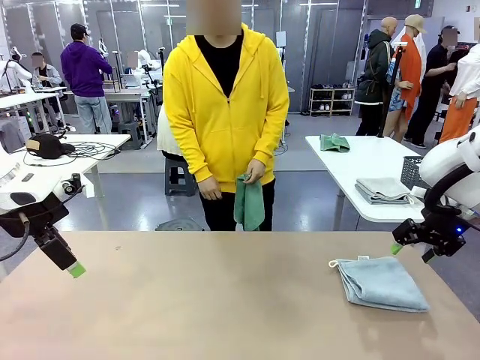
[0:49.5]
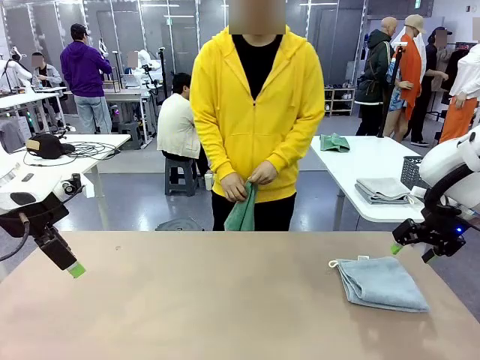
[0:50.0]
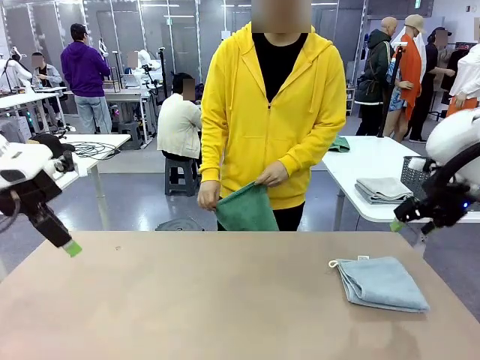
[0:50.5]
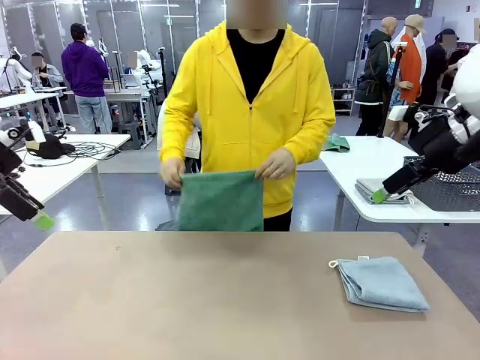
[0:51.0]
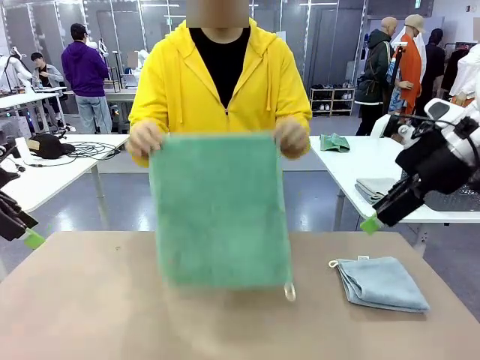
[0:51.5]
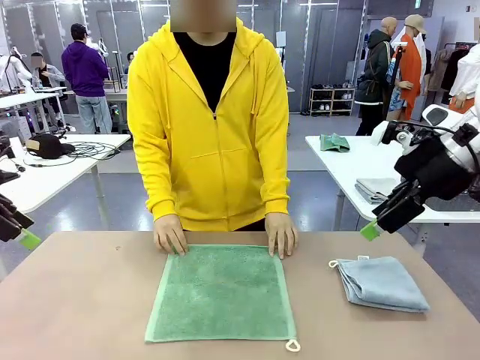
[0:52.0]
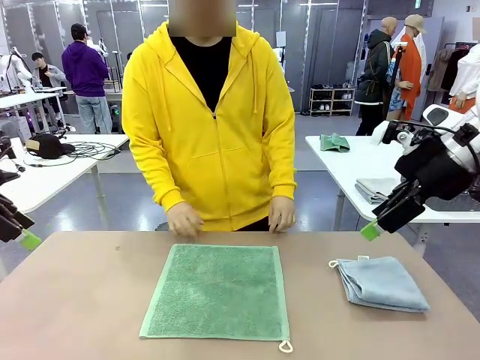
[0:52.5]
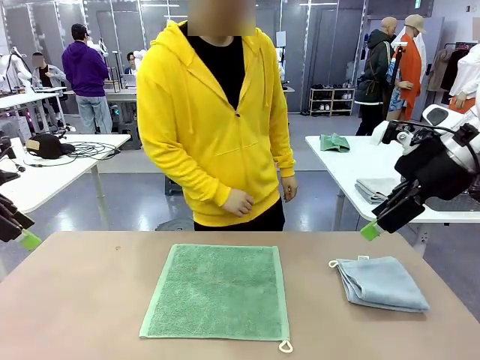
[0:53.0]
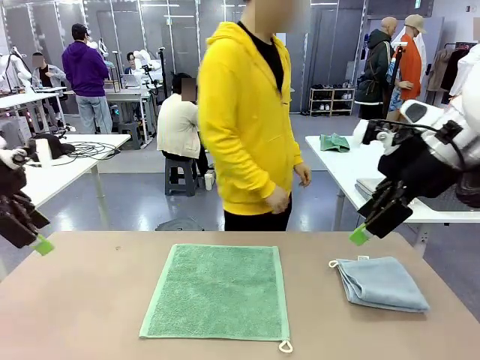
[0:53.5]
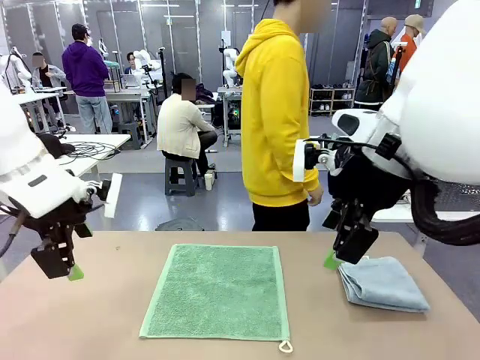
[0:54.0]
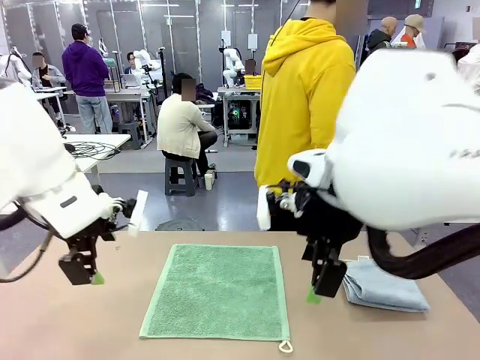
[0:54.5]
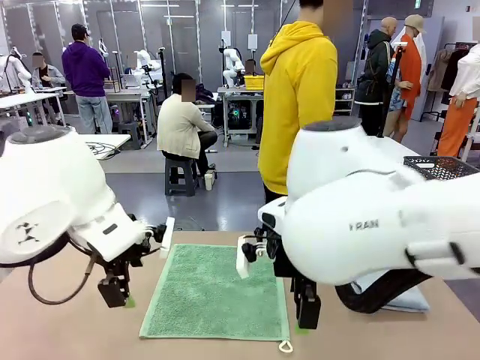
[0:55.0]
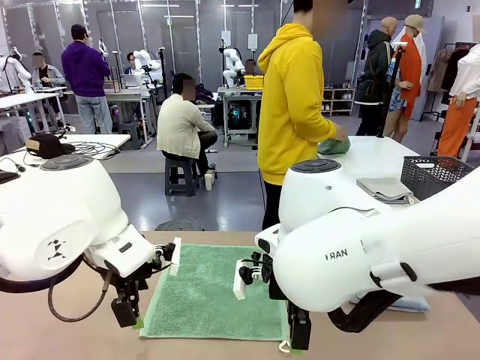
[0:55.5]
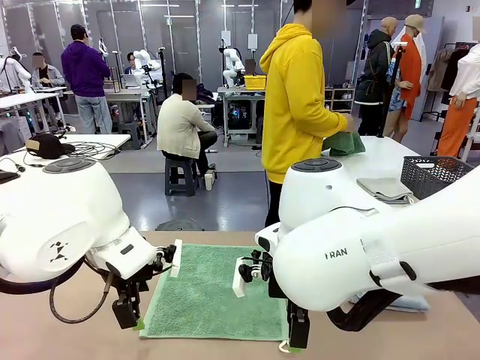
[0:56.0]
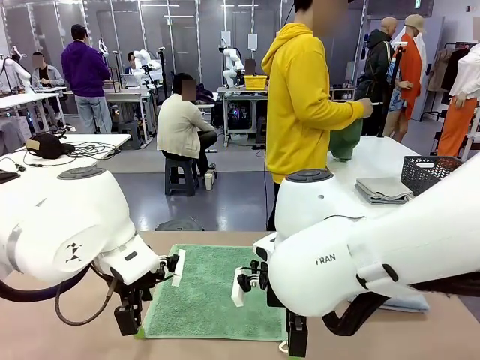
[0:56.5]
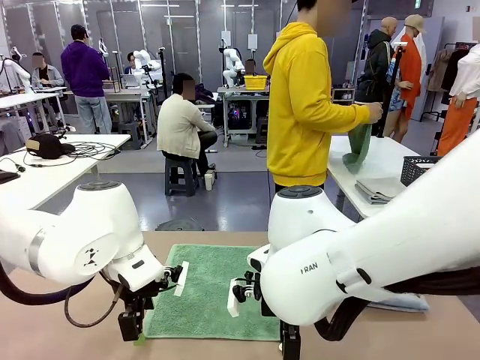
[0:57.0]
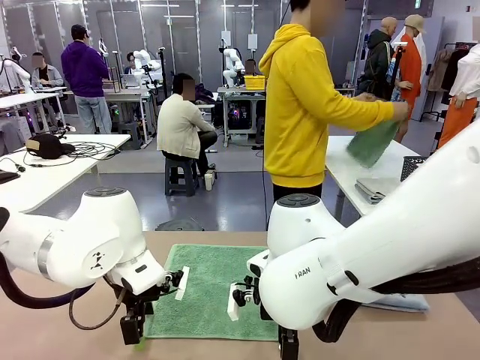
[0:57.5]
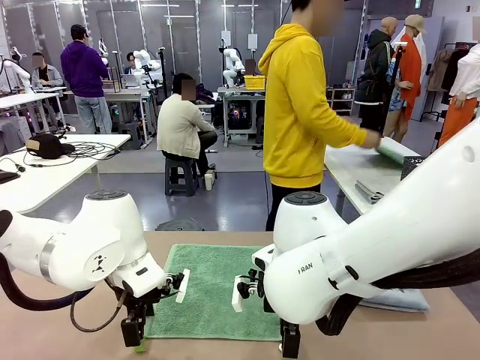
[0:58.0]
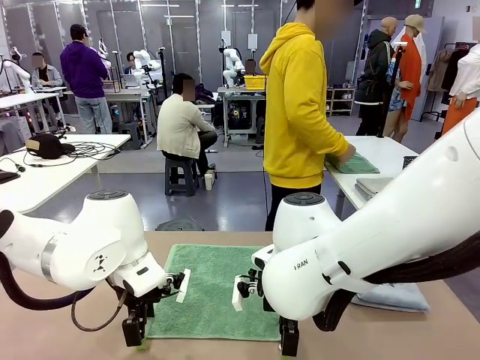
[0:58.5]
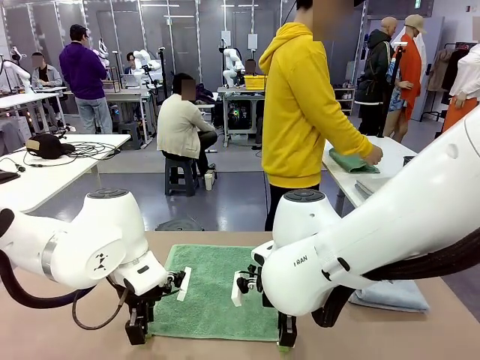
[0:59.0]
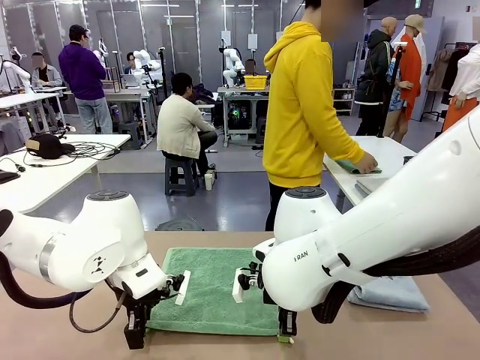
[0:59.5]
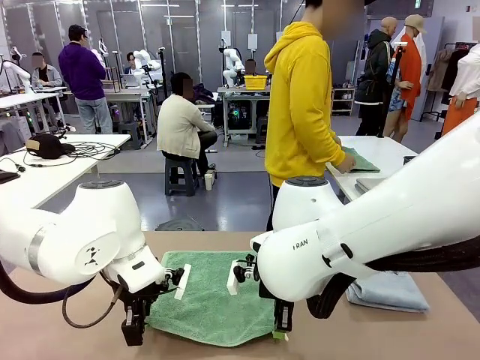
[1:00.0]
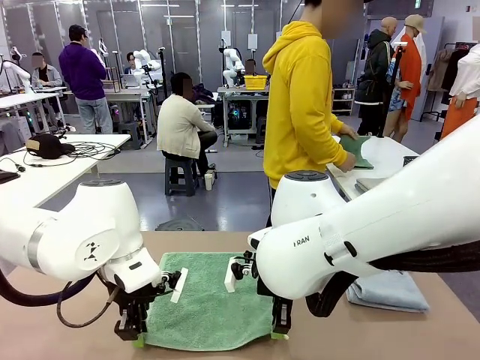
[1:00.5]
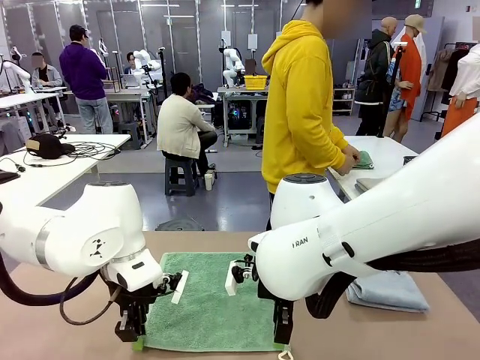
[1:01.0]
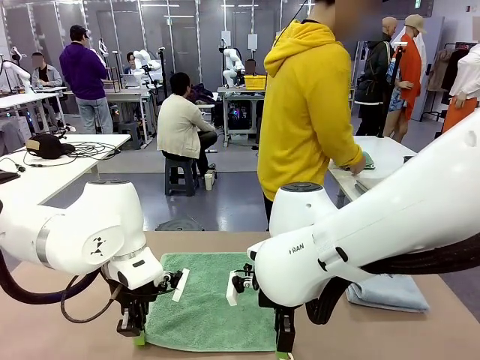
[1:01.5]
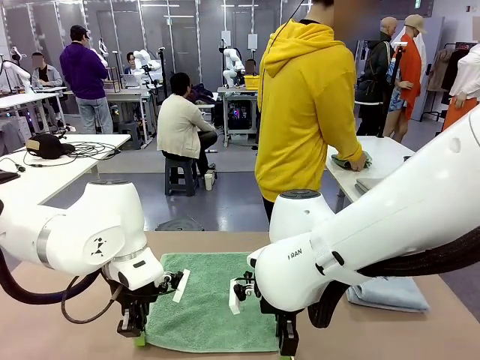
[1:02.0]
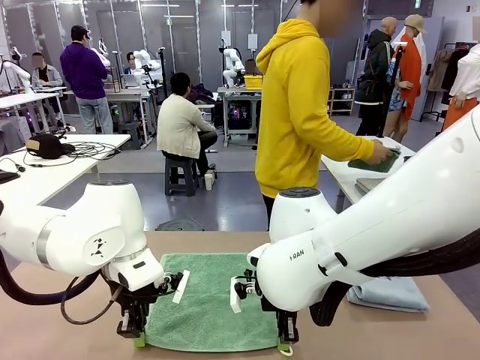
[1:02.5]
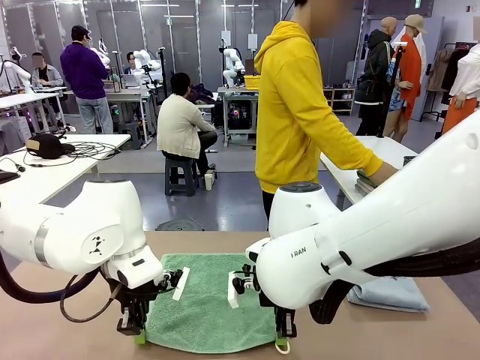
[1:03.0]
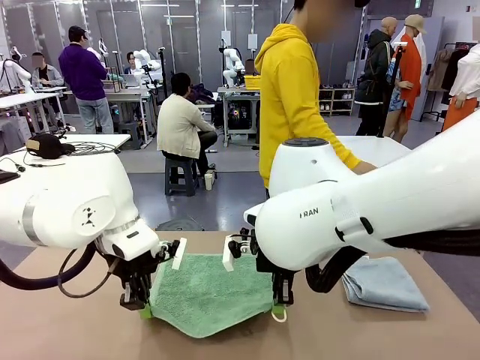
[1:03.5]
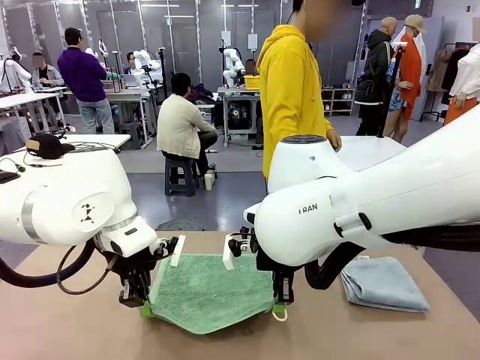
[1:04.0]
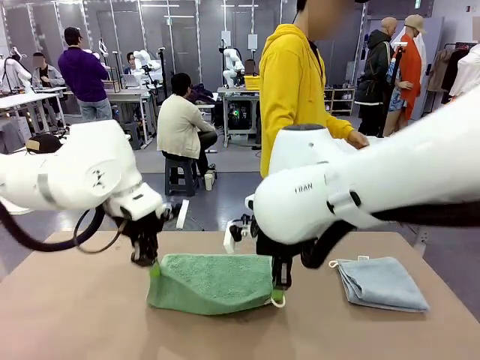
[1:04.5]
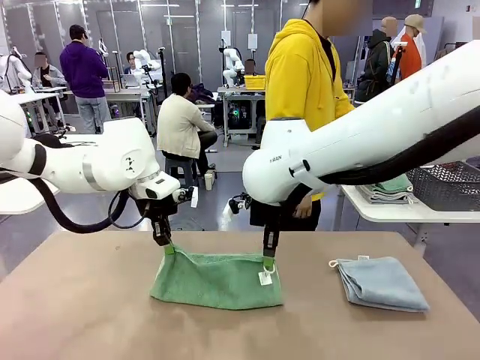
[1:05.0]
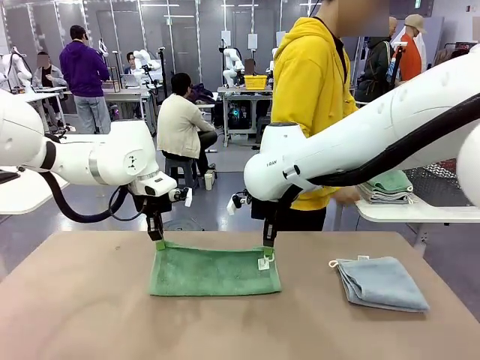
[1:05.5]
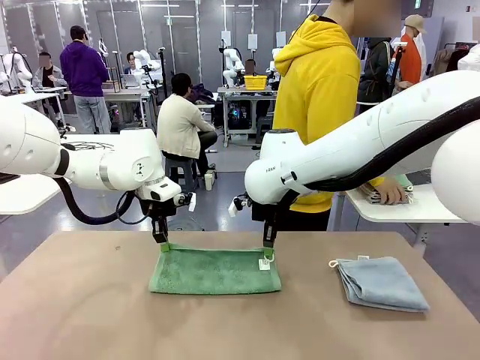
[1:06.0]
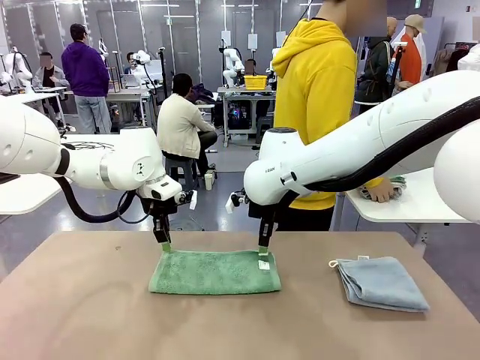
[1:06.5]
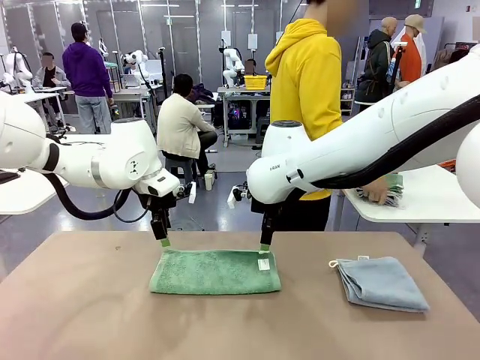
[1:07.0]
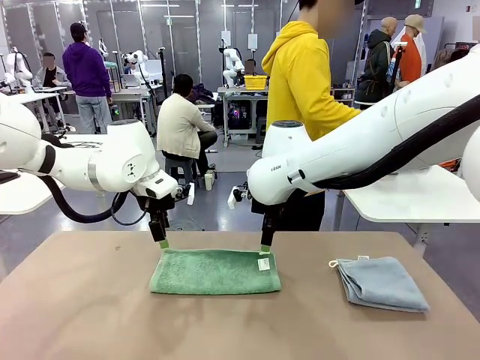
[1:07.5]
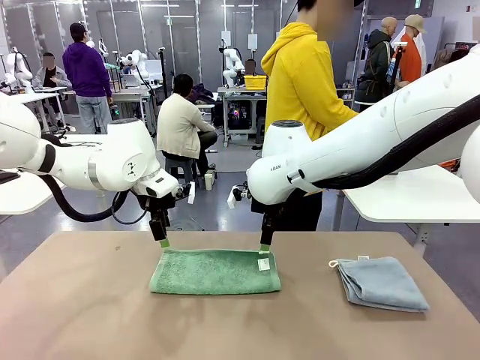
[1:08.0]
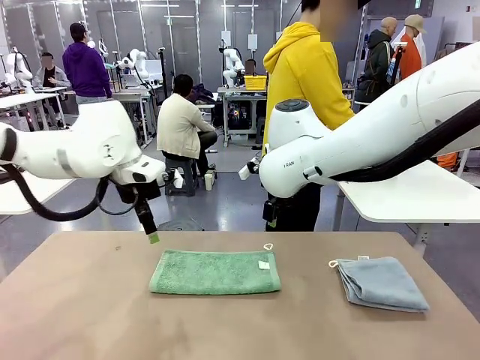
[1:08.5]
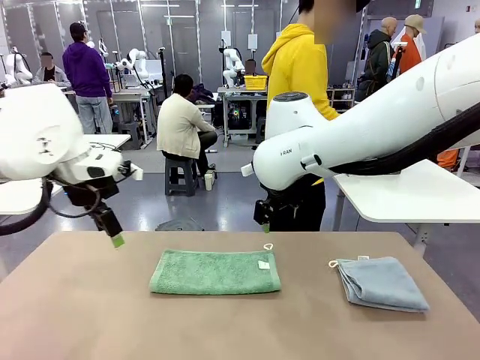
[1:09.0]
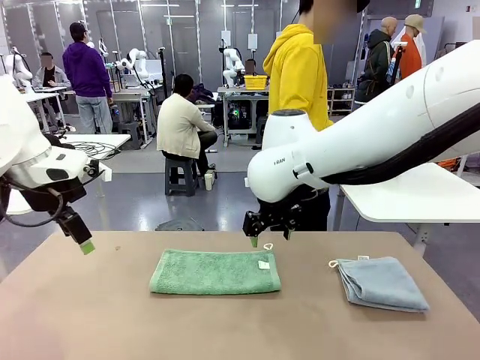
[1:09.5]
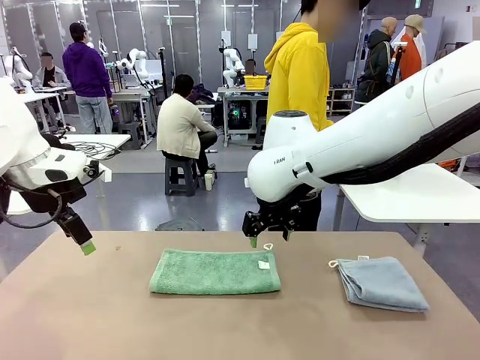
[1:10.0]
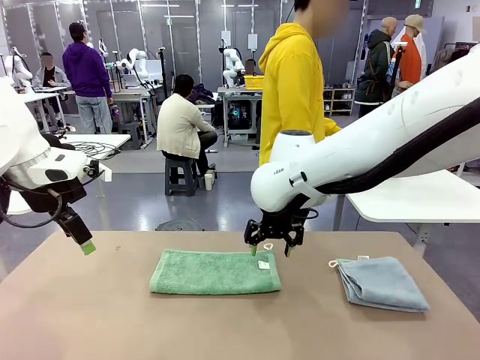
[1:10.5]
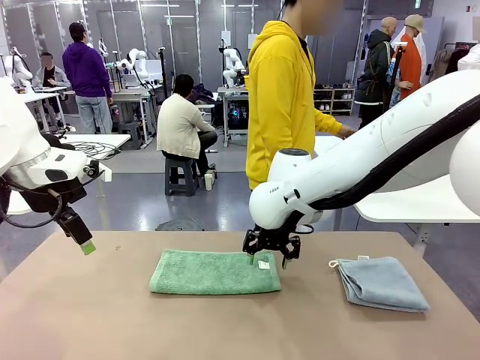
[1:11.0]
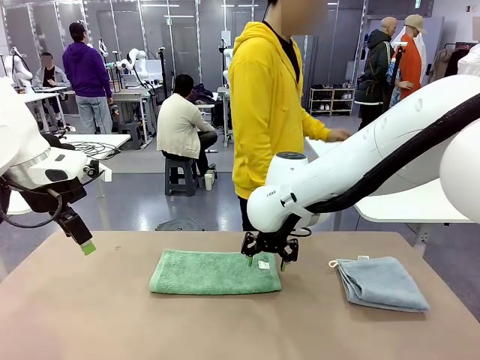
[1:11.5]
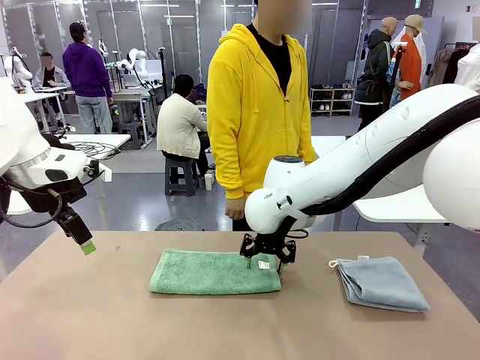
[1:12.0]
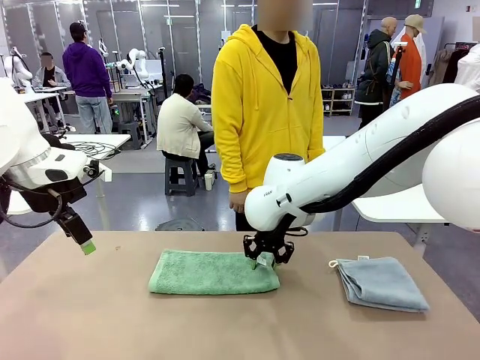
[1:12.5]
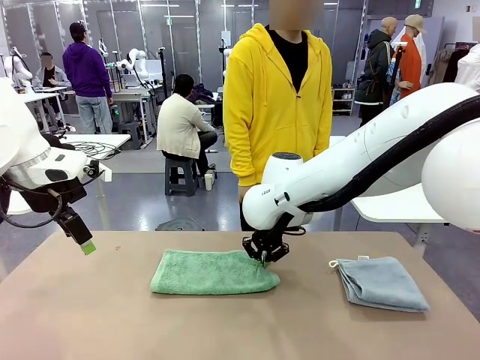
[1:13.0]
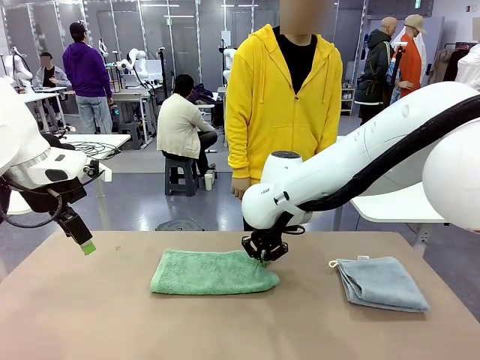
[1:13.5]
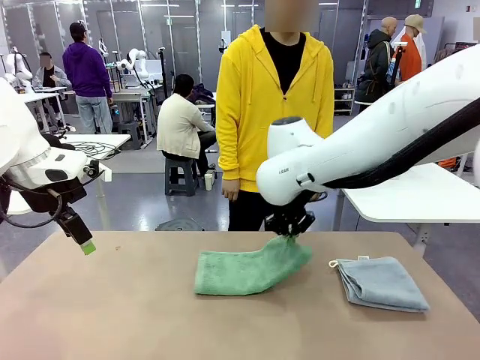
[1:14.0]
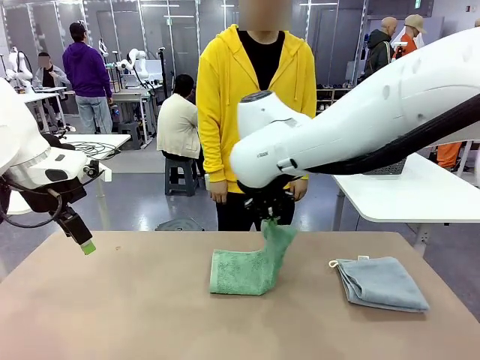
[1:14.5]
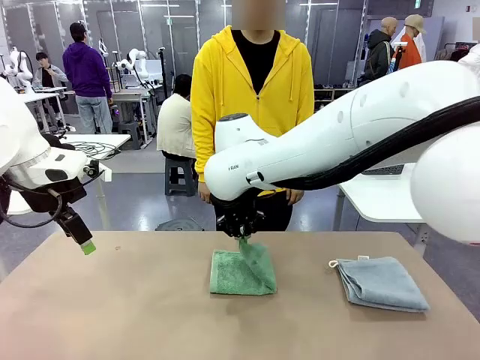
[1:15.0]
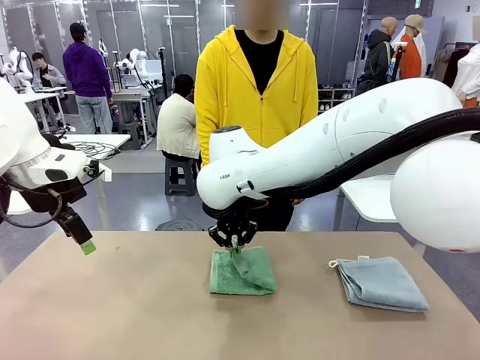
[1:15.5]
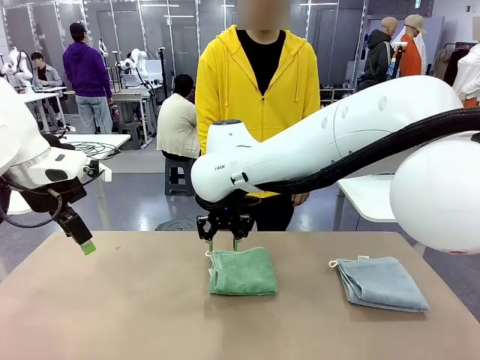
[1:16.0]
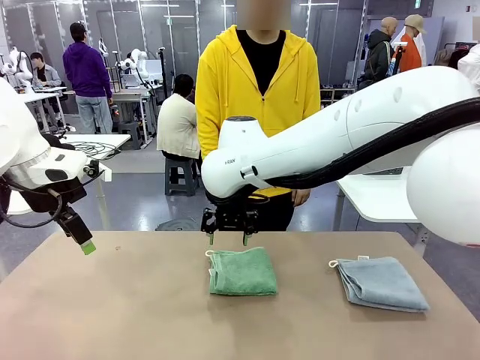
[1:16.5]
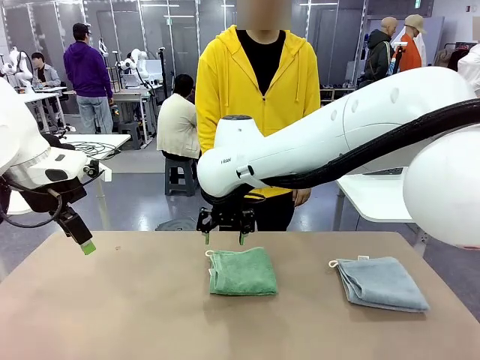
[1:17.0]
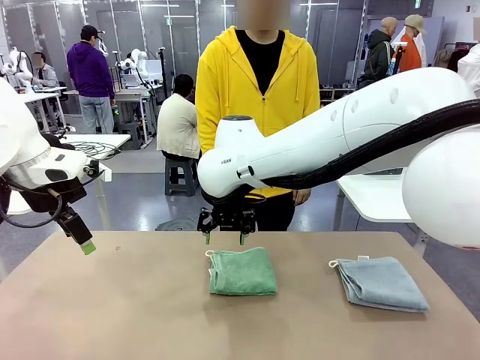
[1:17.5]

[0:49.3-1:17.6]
Task: Fold the towels and place them in the basket.
Robot: When a person lays out a Towel with hook on the table, fold it in half twice.
Person: Pick up one towel from the left side of the human table, fold it in half twice, and stack it on the right side of the table. Pick up the stack of towels from the right side of the human table, place it into the basket, and put the basket at the center of the table.
